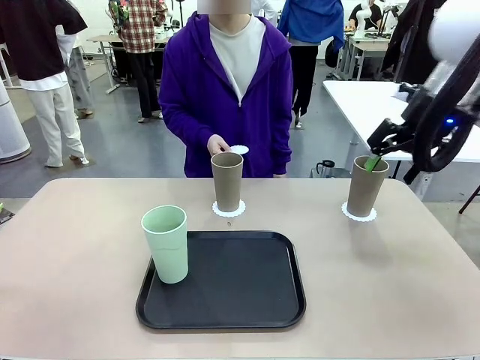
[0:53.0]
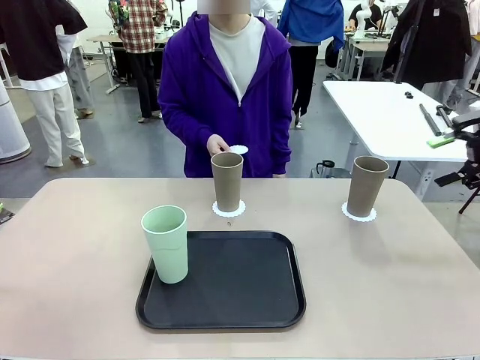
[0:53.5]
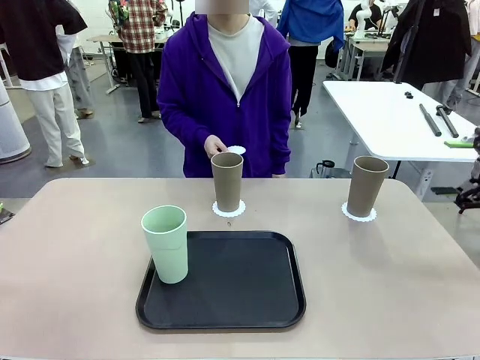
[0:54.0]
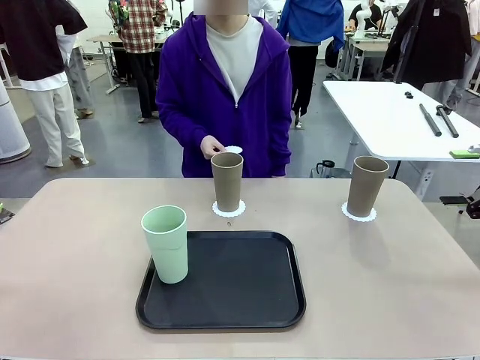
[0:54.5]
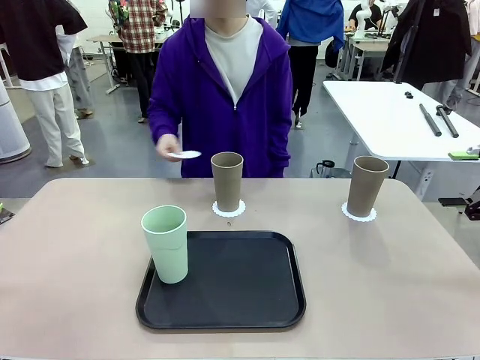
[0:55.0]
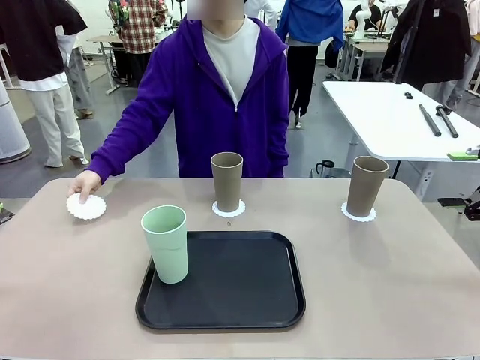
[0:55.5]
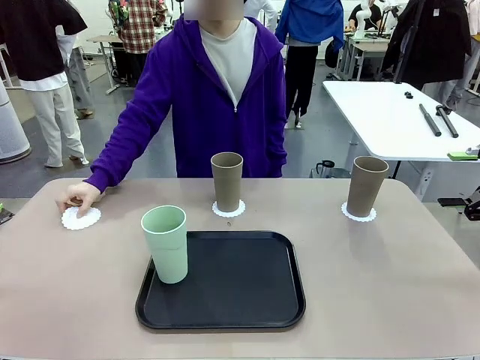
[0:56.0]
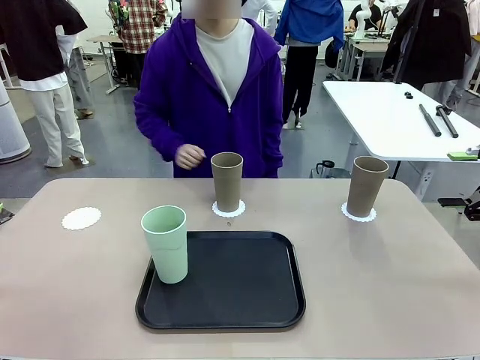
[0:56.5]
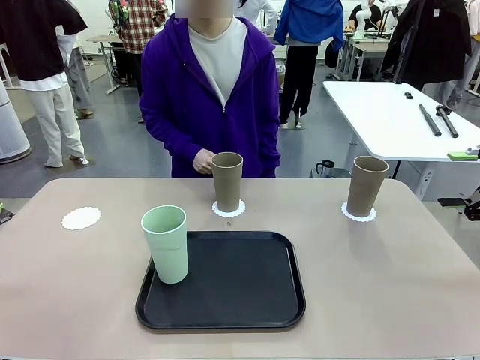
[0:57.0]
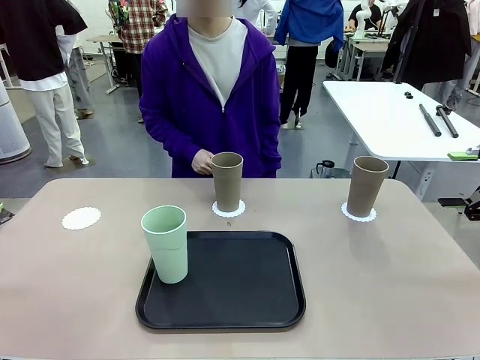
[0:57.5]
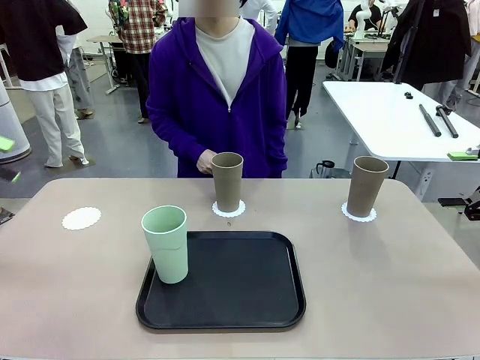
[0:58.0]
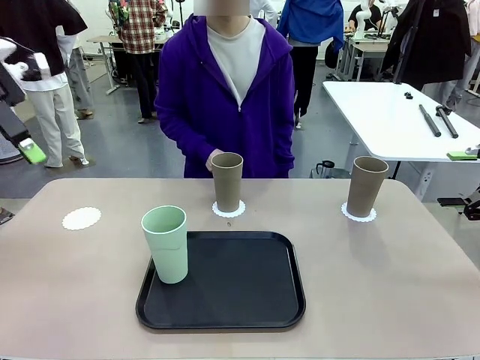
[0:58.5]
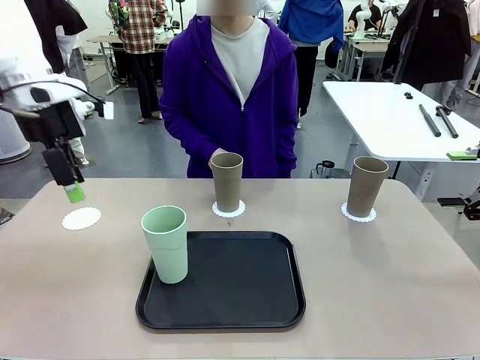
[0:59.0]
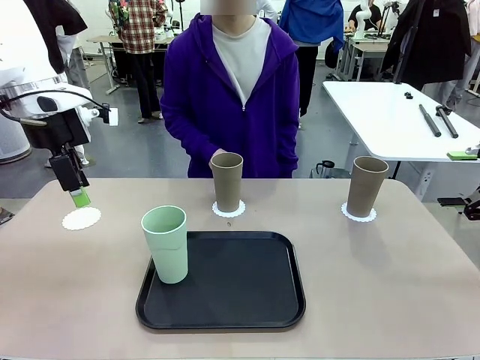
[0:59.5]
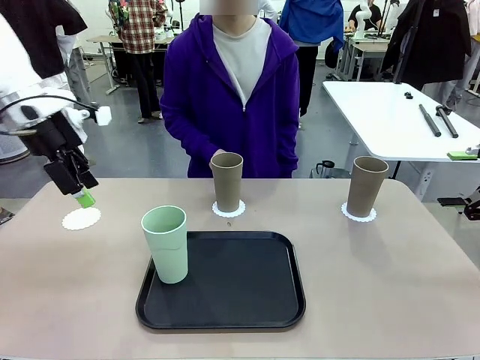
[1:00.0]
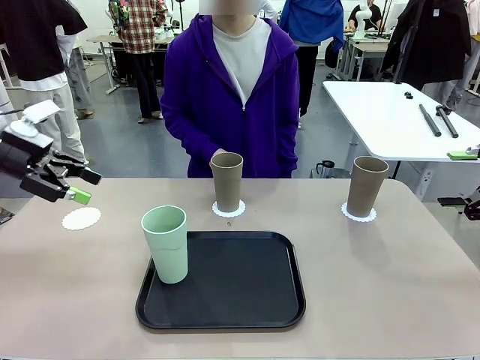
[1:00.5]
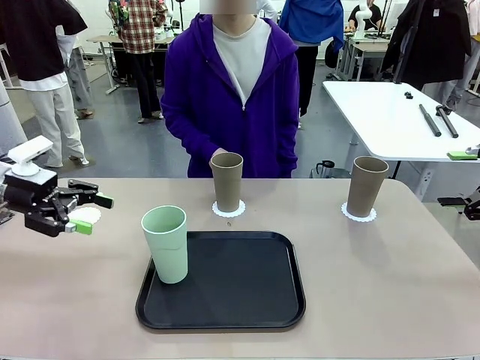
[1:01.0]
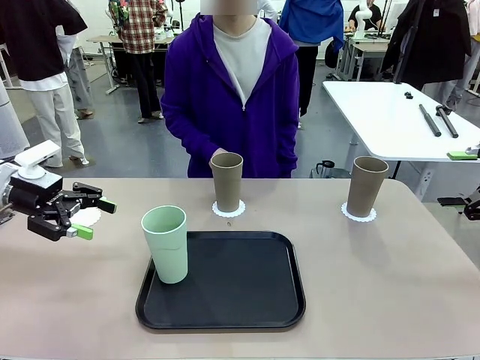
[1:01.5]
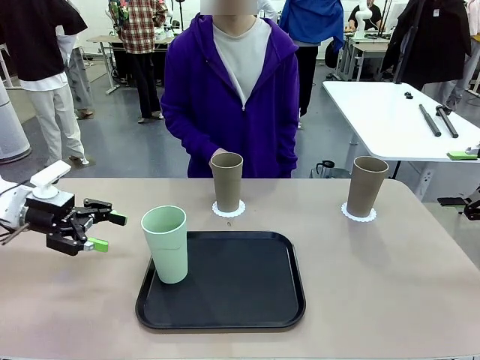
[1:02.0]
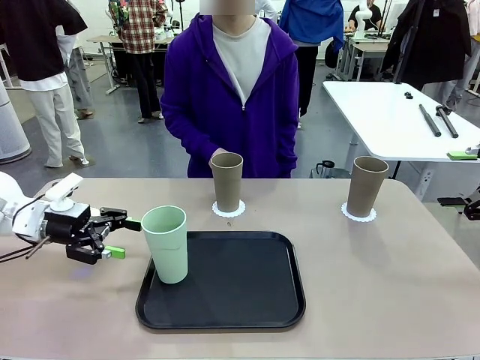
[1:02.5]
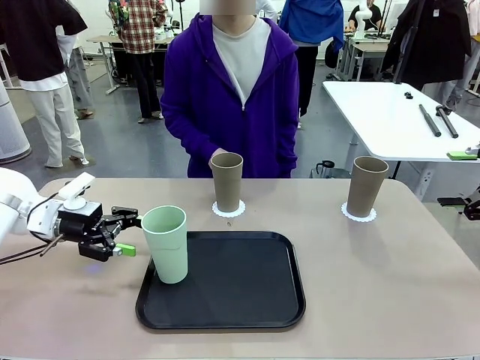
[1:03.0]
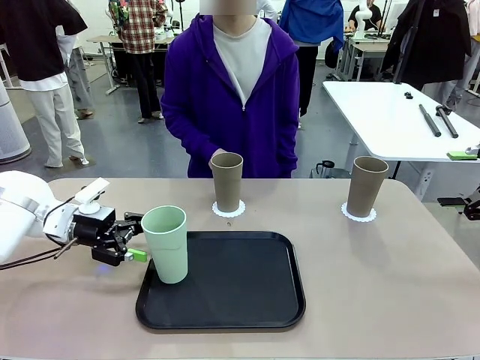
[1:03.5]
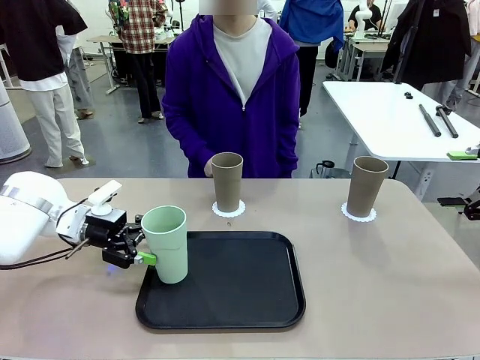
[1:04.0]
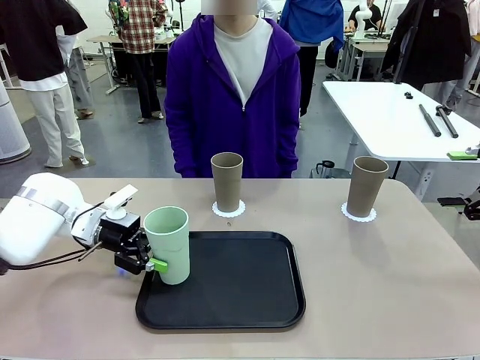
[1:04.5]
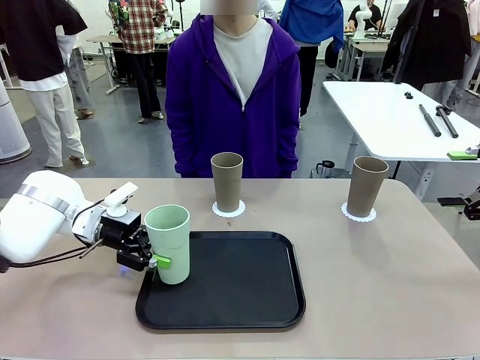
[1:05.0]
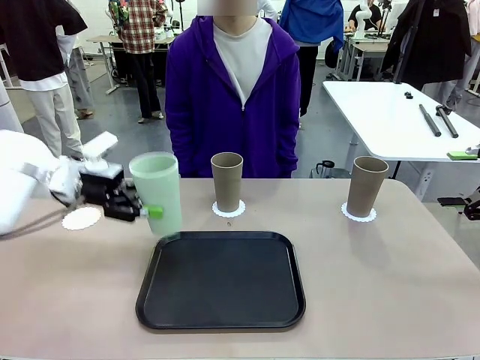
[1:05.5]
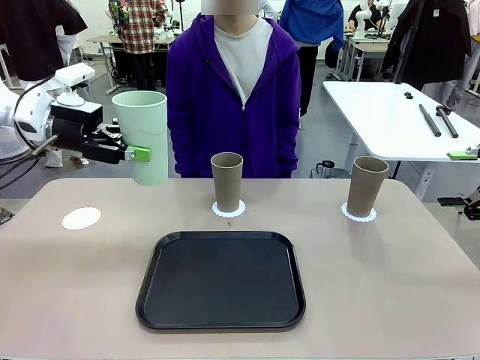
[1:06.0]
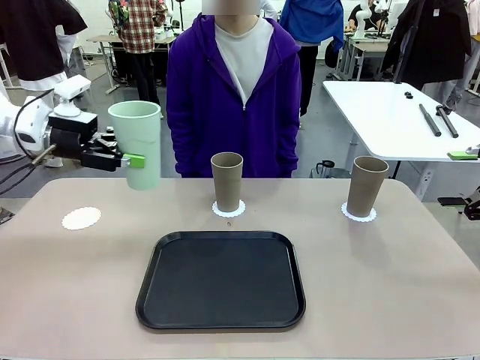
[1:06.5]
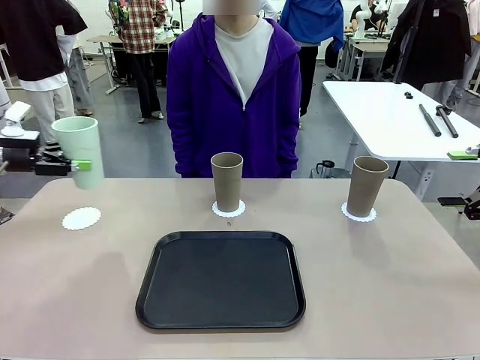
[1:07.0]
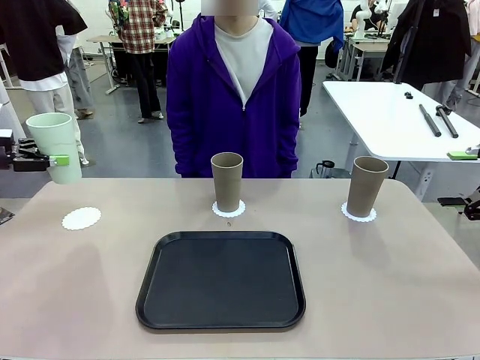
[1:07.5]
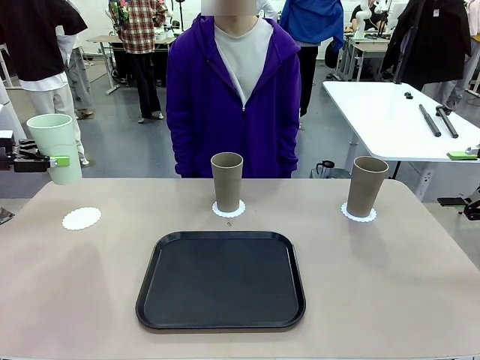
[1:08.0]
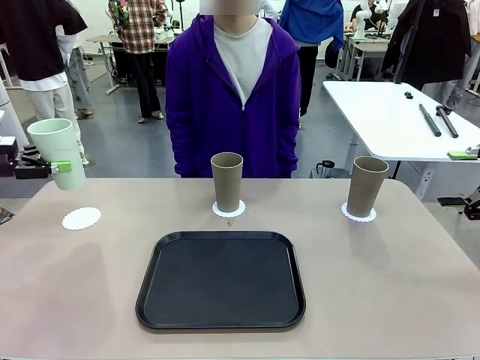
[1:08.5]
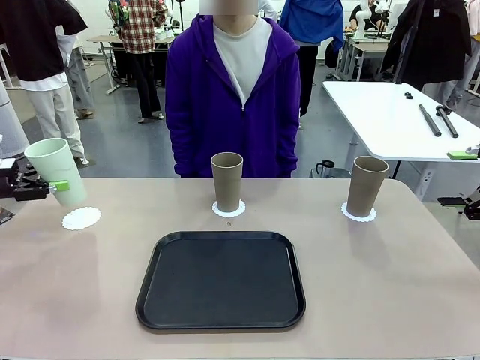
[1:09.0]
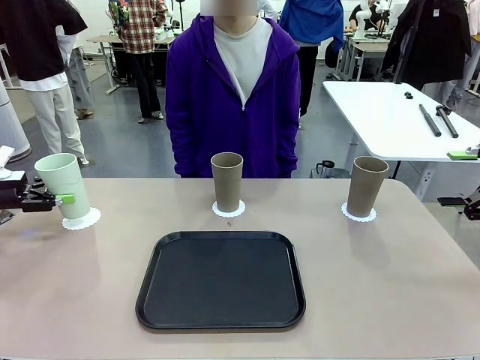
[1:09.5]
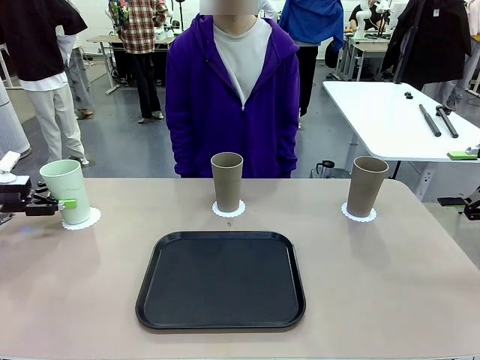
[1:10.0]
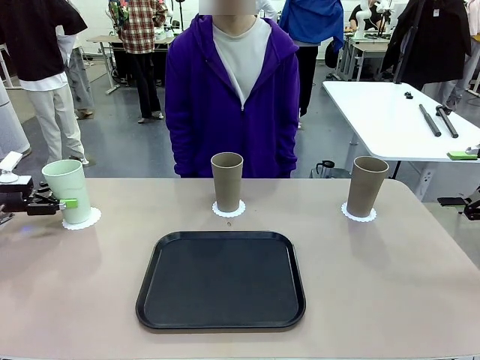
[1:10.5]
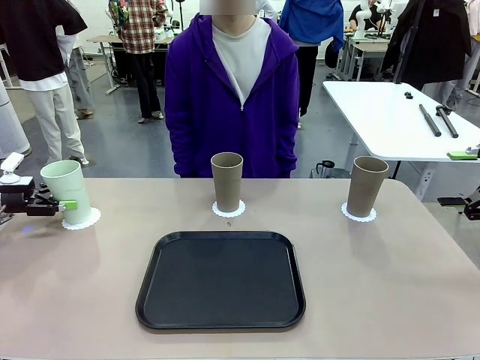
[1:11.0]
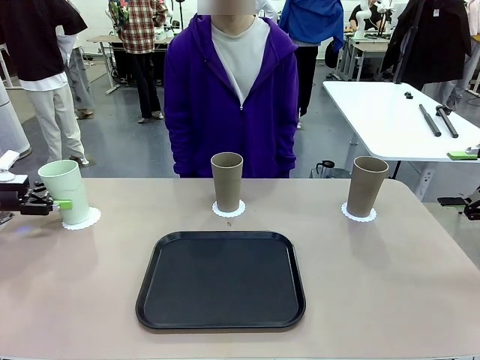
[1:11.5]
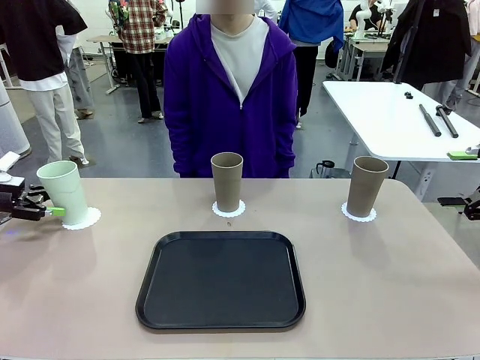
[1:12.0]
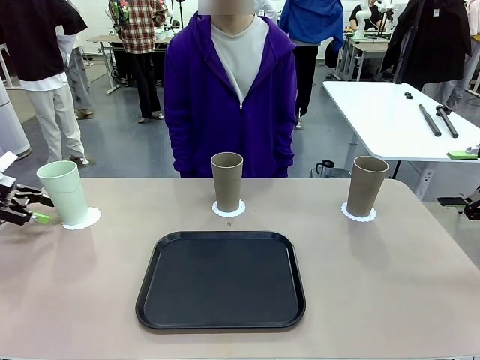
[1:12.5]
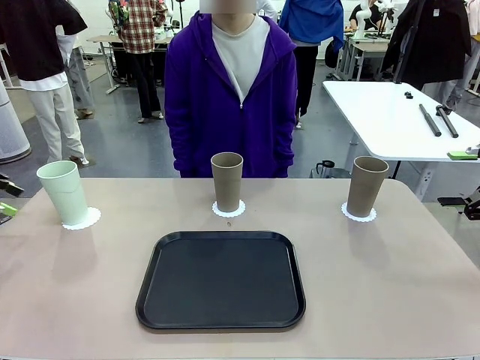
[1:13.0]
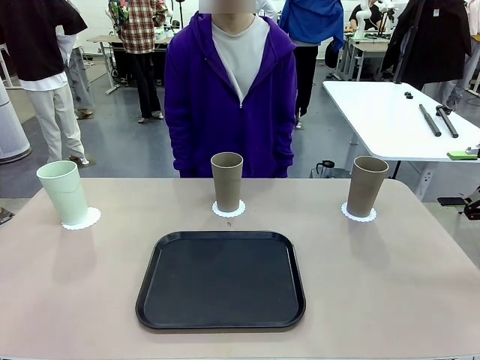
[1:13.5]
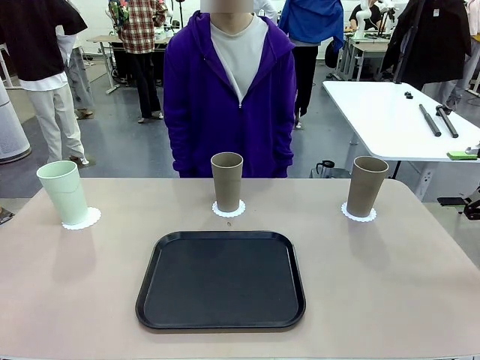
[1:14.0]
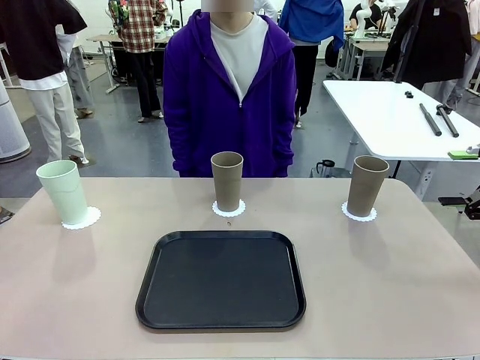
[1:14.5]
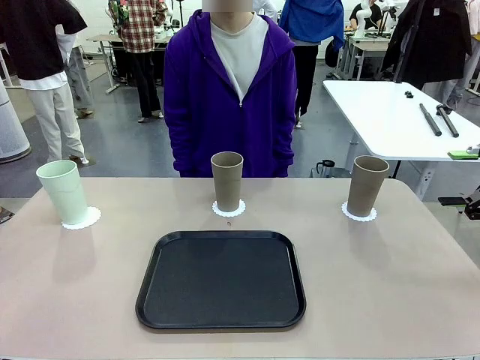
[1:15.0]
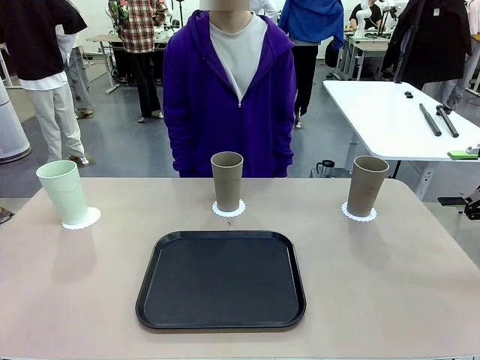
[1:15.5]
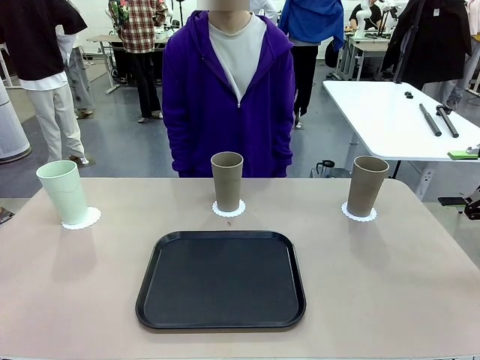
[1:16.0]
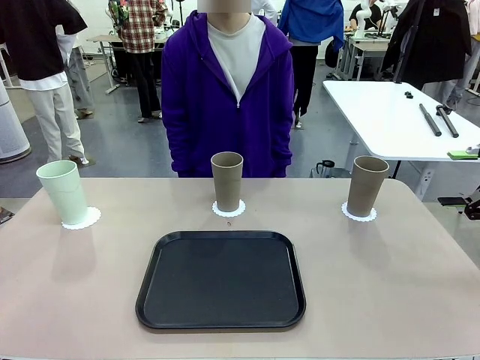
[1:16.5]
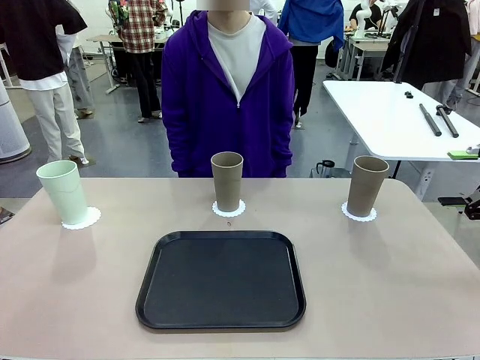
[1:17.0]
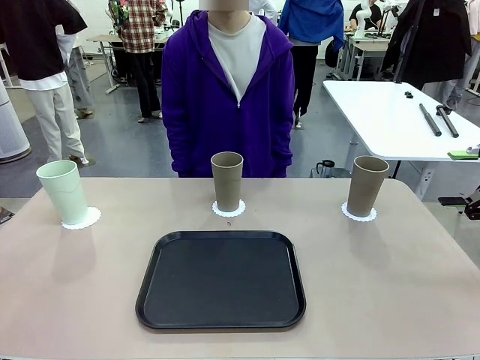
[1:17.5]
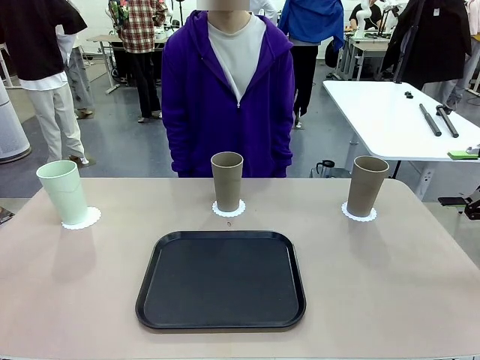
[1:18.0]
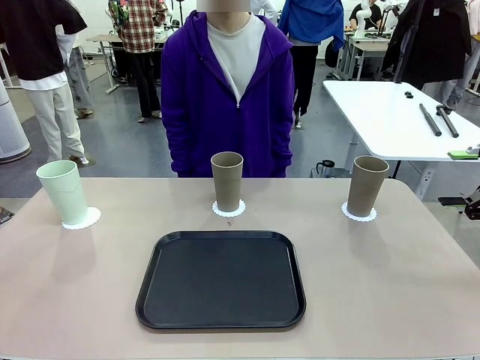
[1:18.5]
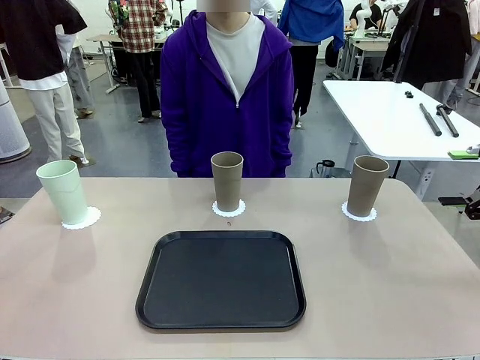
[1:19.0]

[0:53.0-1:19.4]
Task: Place coasters on the table and set cups on them.
Robot: Take one Reusable plastic cup from the Flat Tray and place it on a coaster set by the human.
Person: Place one coaster in the only remaining area.
